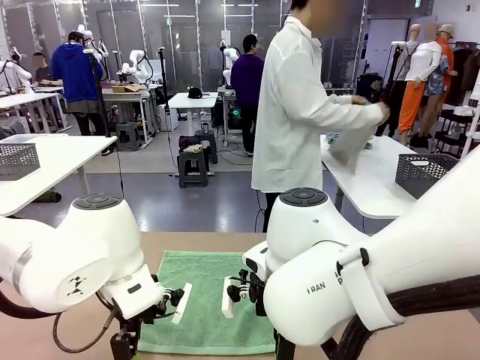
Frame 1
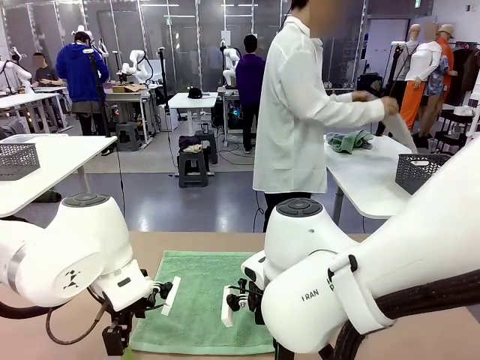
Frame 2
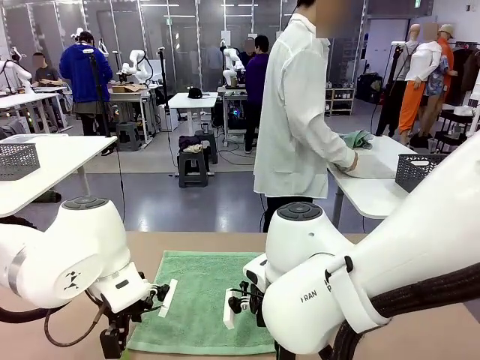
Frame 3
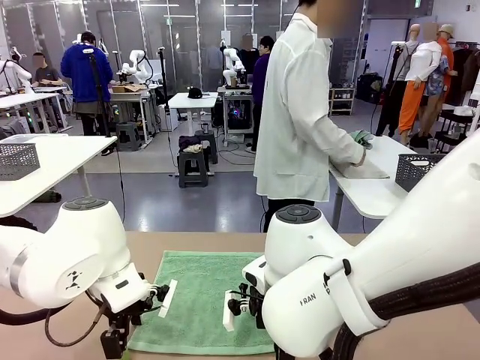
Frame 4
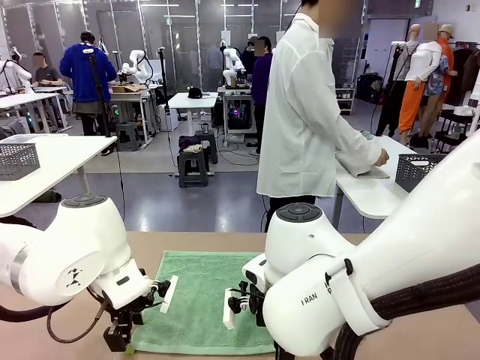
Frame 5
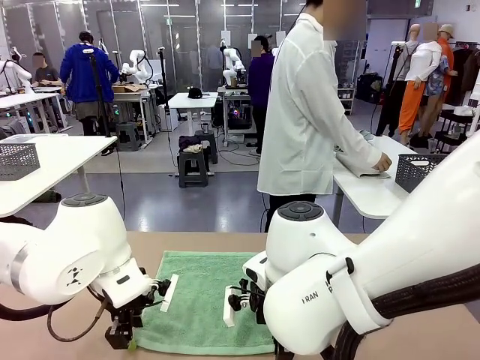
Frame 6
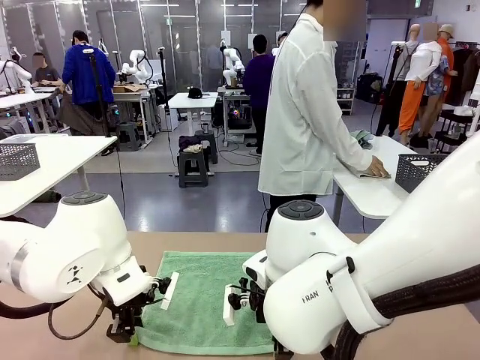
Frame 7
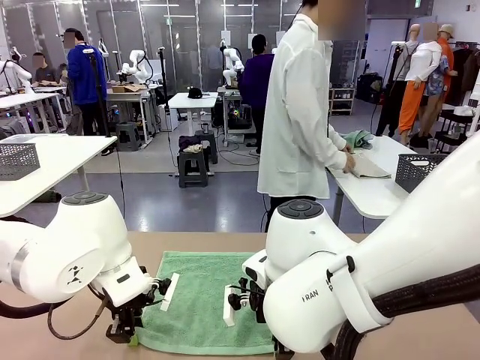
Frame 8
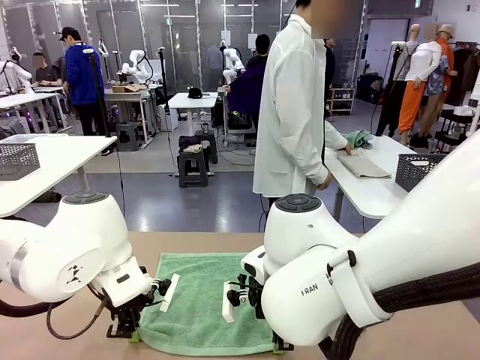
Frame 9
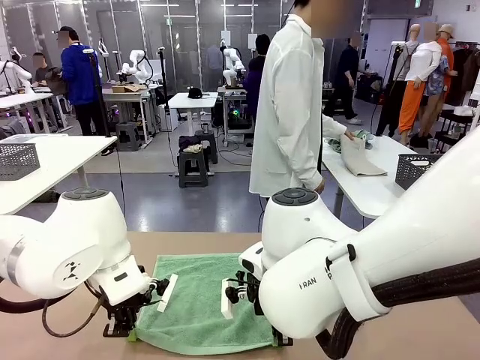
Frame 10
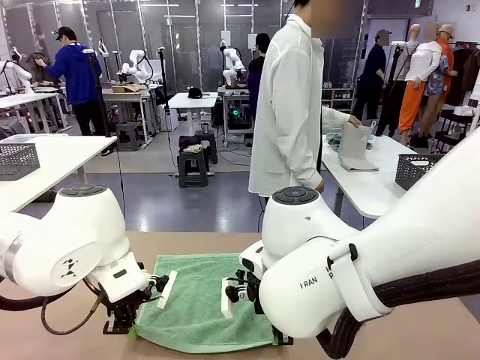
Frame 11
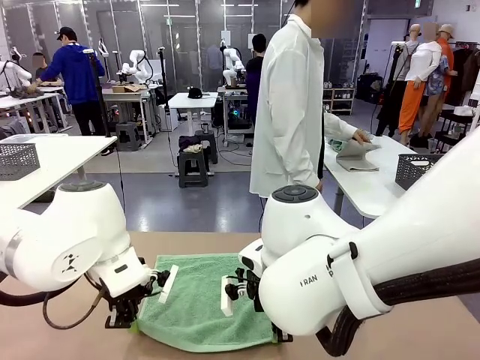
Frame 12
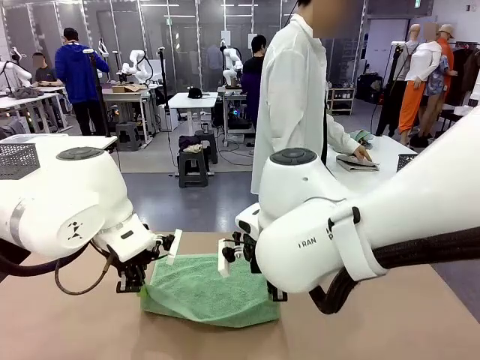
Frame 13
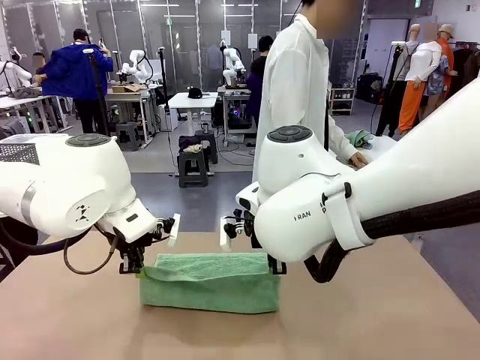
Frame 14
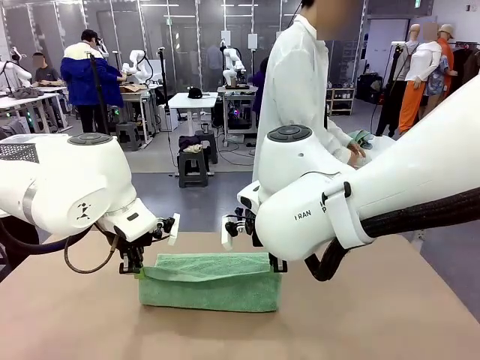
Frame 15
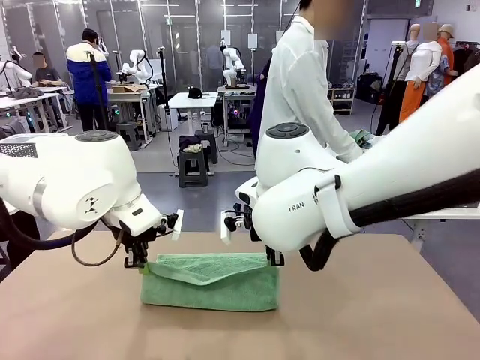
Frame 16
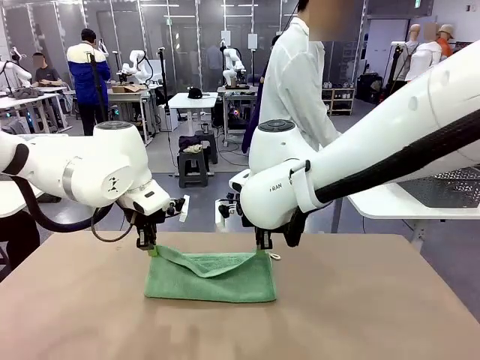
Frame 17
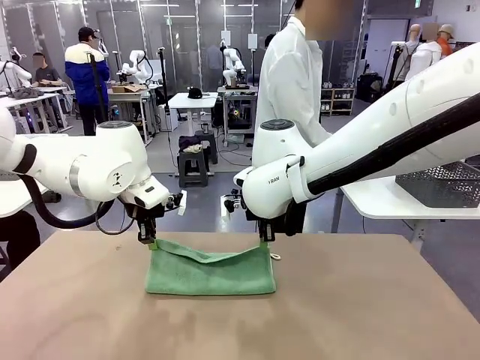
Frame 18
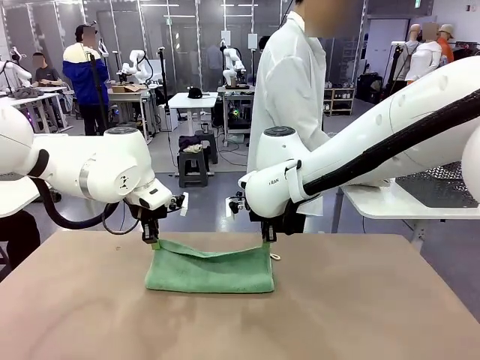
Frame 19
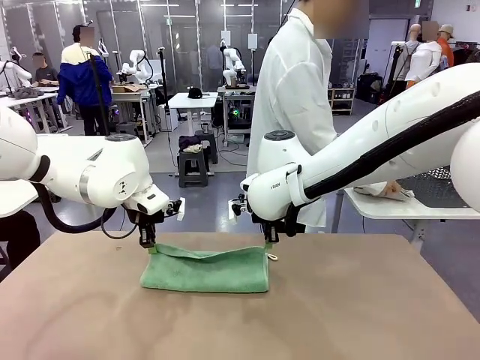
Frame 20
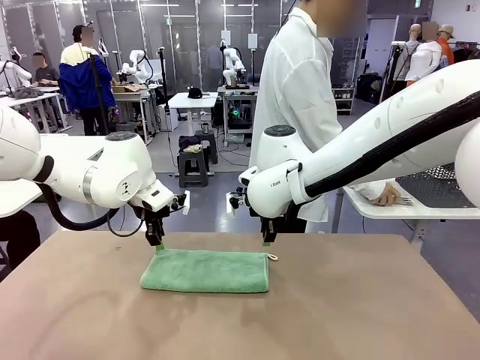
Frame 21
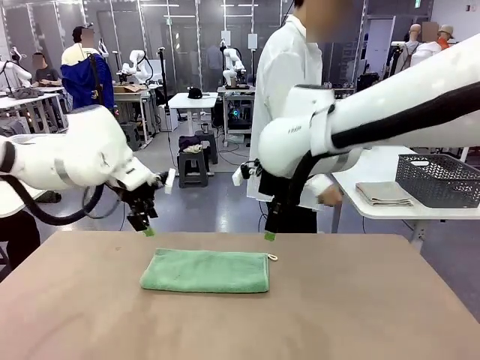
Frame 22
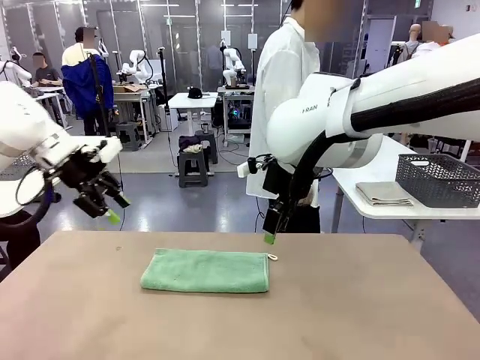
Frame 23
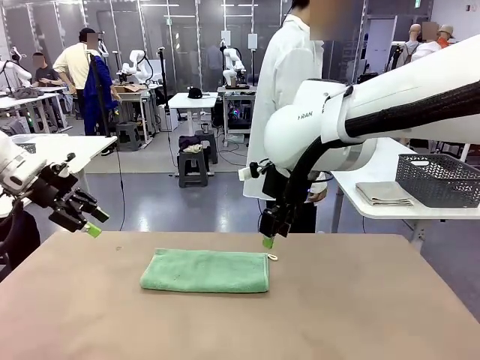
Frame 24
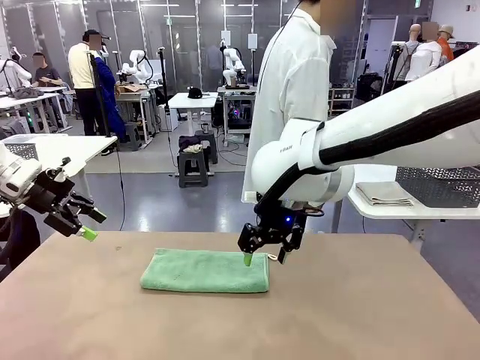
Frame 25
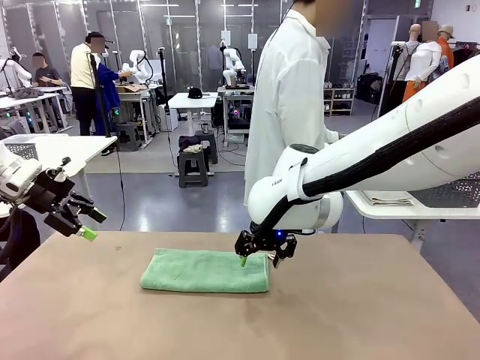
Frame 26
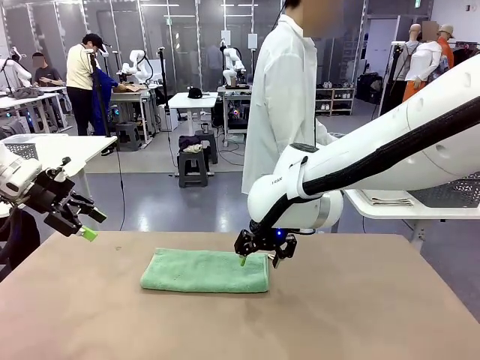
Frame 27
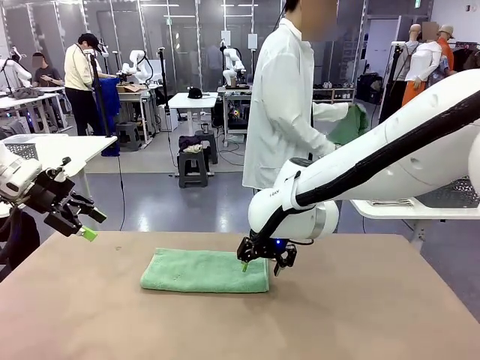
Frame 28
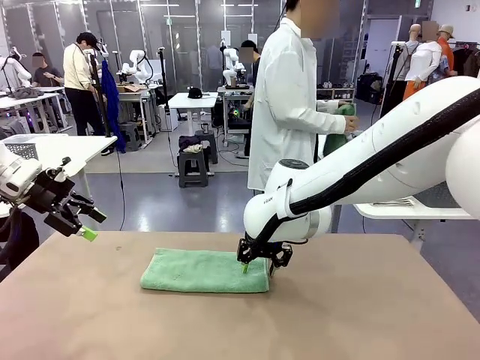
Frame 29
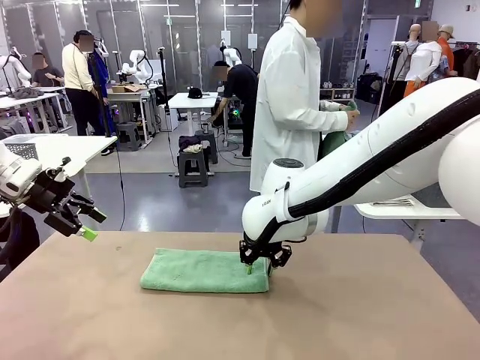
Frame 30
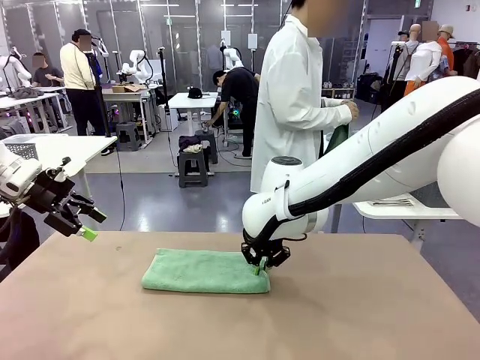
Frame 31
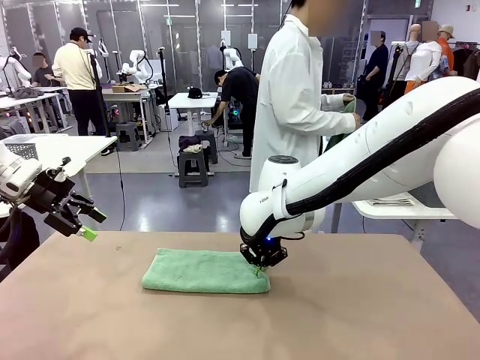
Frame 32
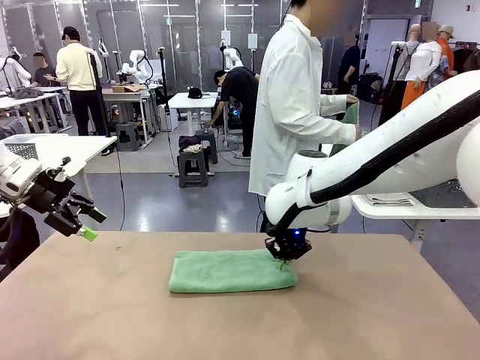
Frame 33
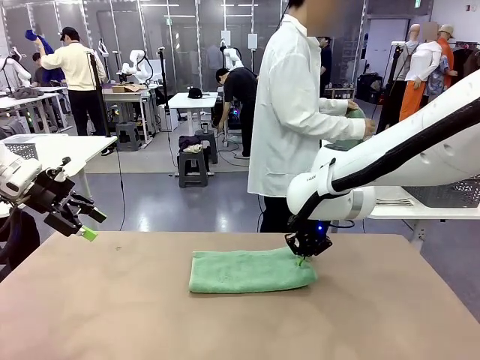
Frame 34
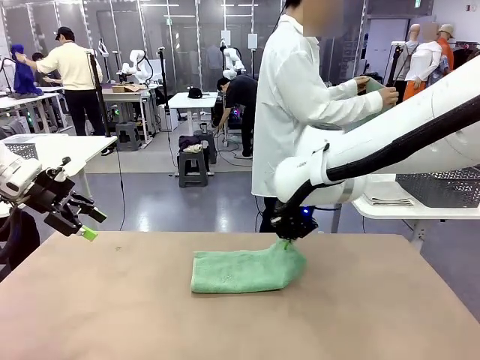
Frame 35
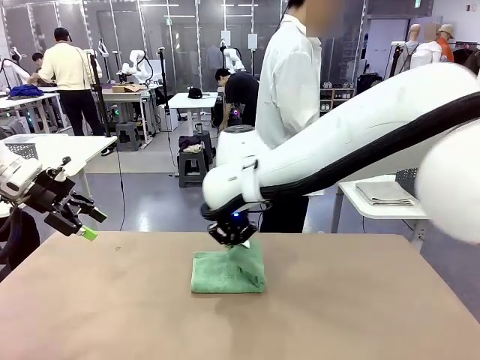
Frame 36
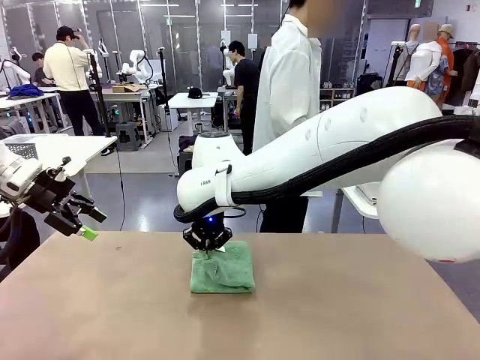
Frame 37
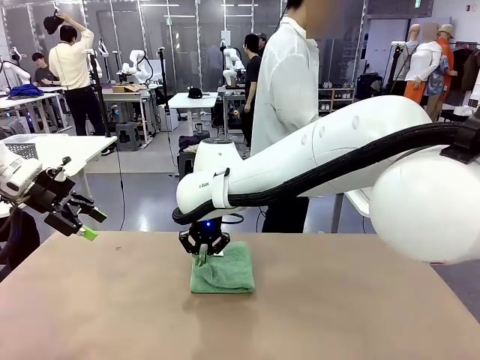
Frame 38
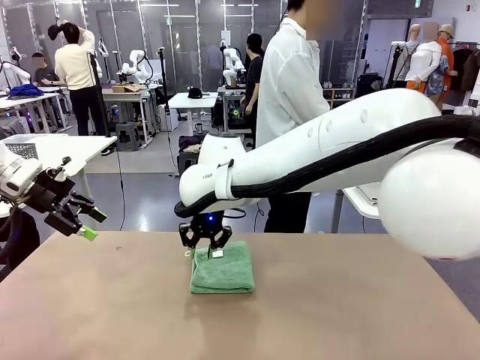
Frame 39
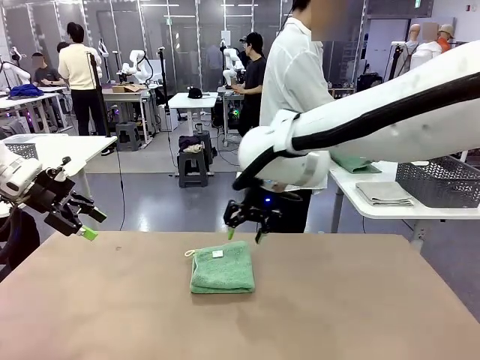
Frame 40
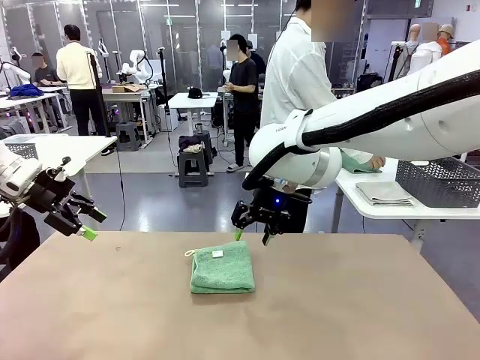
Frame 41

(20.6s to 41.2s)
Task: Fold the towels and place them in the basket.
Robot: When a person lays out a Towel with hook on the table, fold it in half twice.
Person: Pick up one towel from the left side of the human table, fold it in half twice, and place it on the right side of the table. Pick up one towel from the left side of the human table, fold it in half twice, and stack it on the right side of the table.

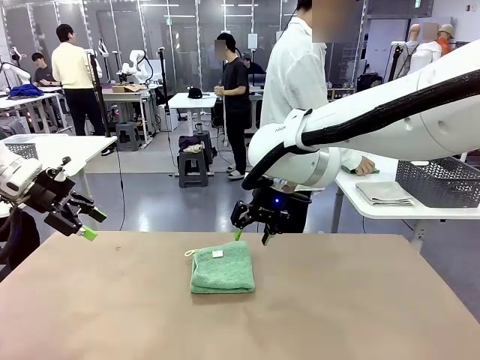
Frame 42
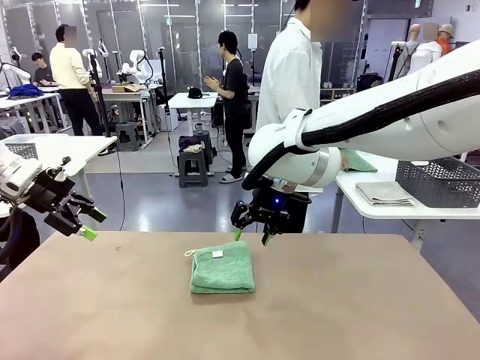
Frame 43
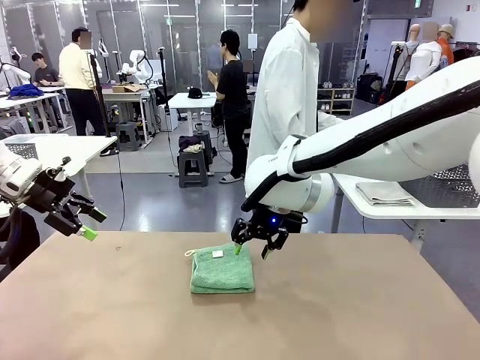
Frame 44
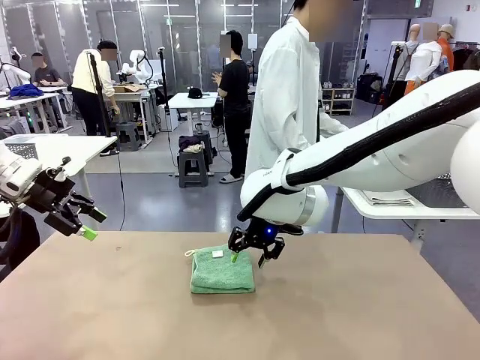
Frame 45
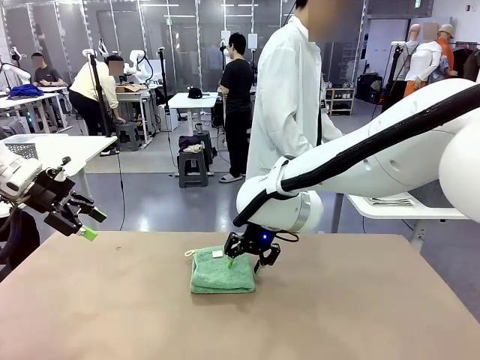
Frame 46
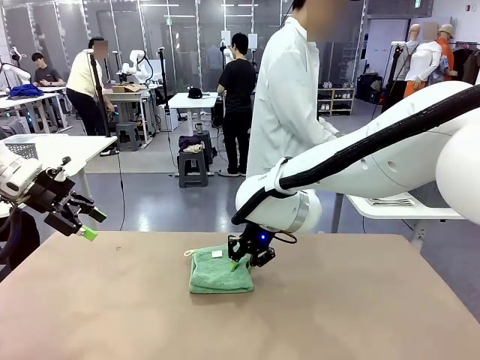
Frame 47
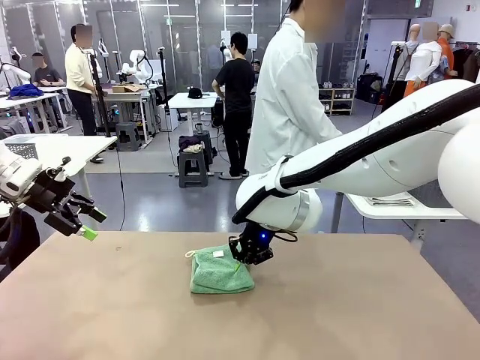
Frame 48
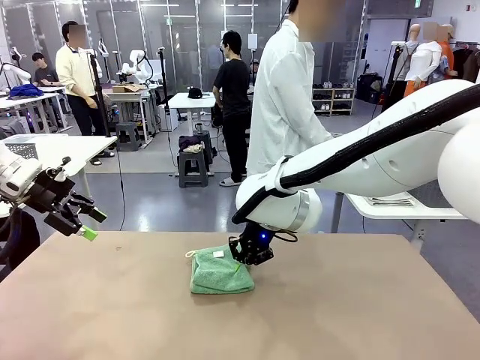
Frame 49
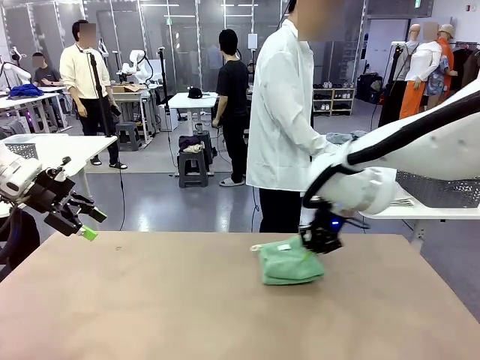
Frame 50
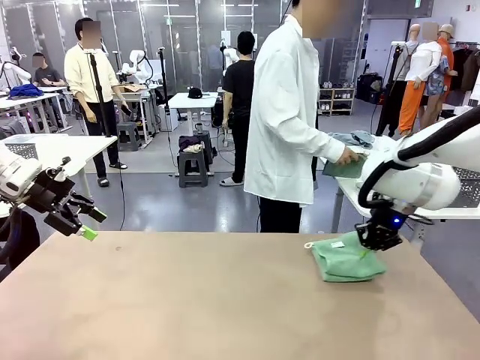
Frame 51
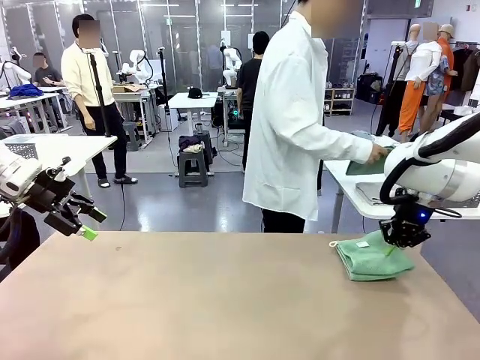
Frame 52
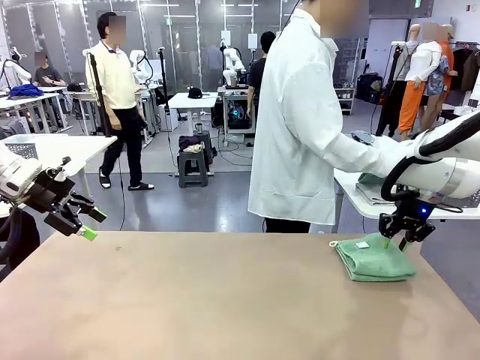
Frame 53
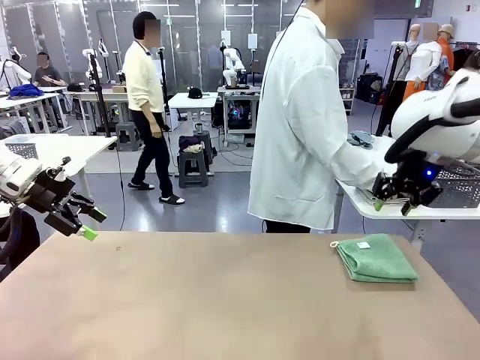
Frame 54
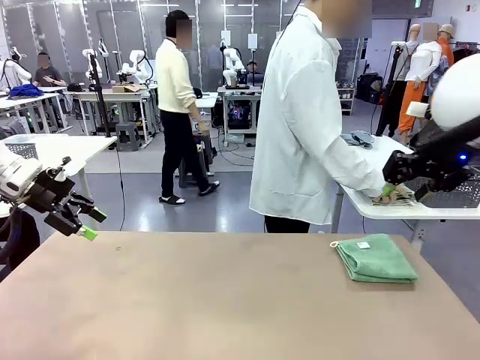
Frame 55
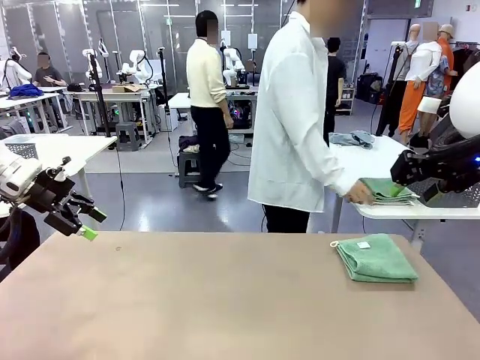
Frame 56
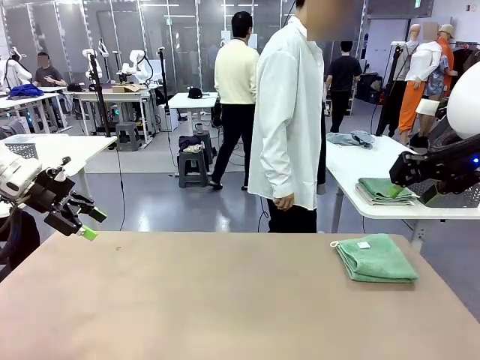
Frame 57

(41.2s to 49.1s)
Robot: Place the folded Towel with hook on the right side of the table.
